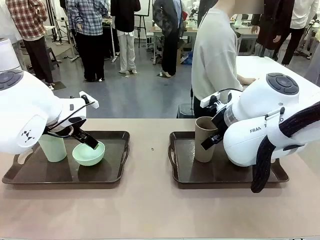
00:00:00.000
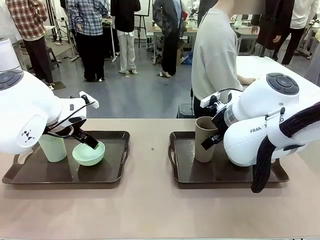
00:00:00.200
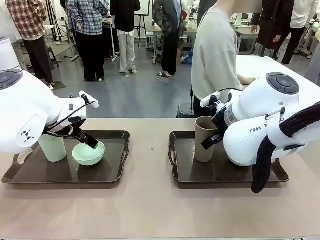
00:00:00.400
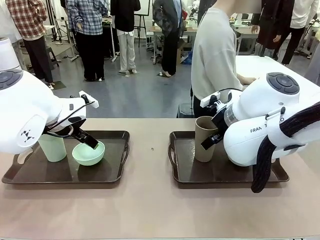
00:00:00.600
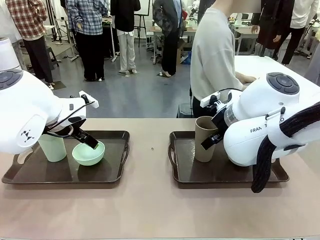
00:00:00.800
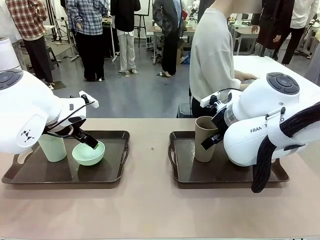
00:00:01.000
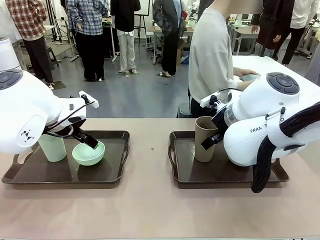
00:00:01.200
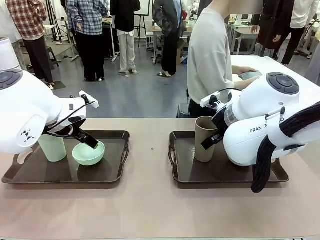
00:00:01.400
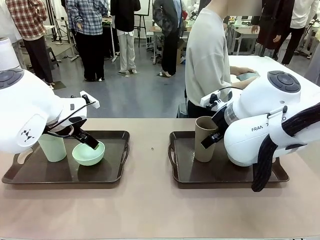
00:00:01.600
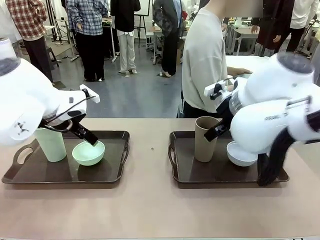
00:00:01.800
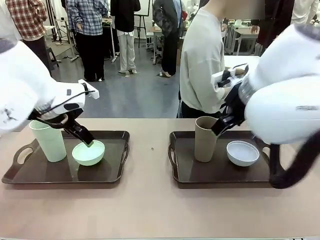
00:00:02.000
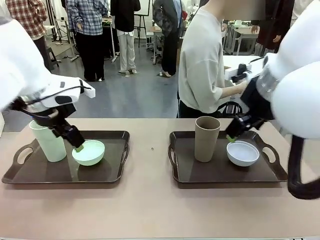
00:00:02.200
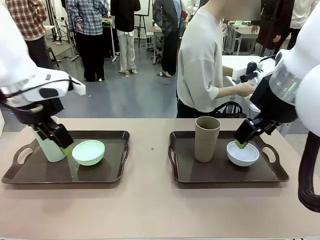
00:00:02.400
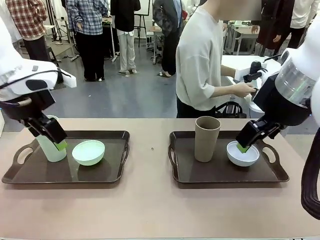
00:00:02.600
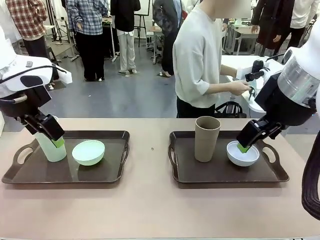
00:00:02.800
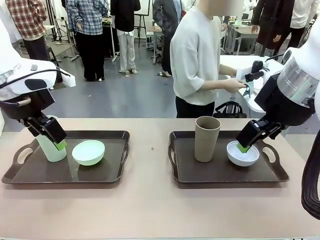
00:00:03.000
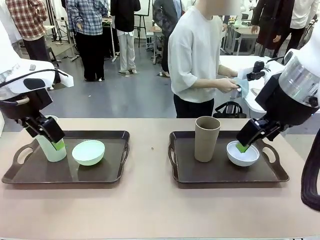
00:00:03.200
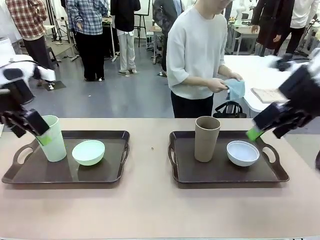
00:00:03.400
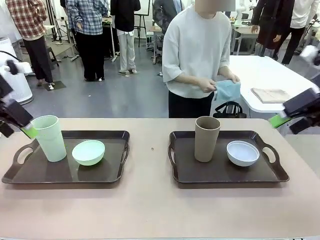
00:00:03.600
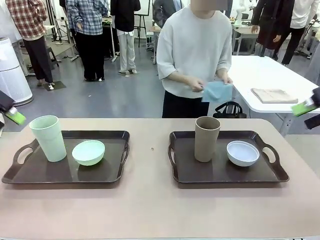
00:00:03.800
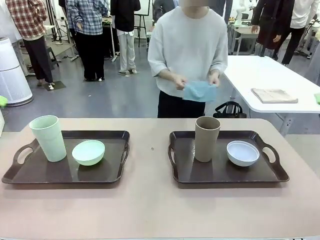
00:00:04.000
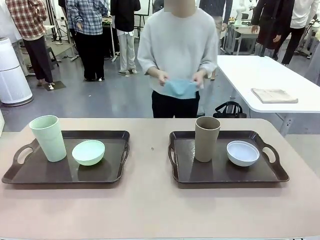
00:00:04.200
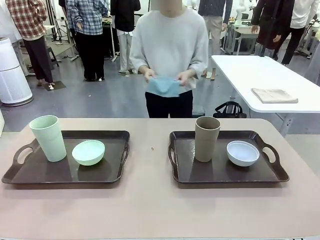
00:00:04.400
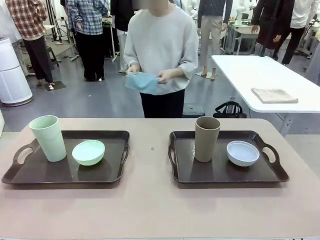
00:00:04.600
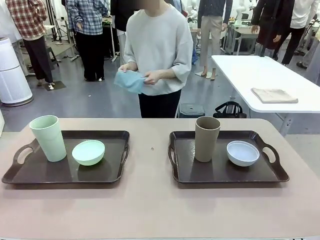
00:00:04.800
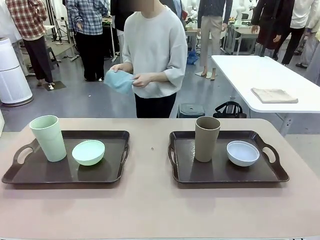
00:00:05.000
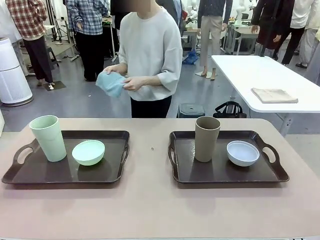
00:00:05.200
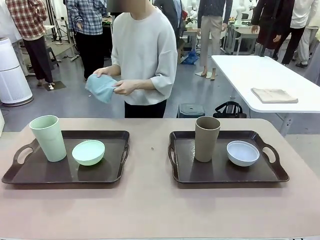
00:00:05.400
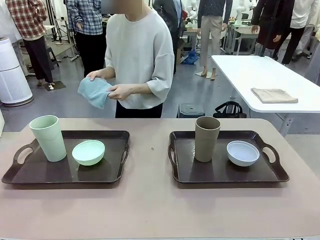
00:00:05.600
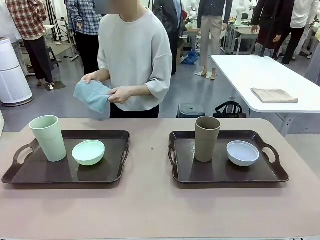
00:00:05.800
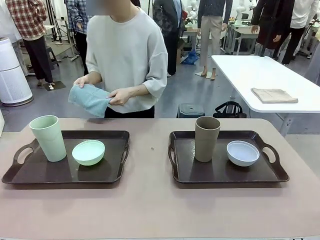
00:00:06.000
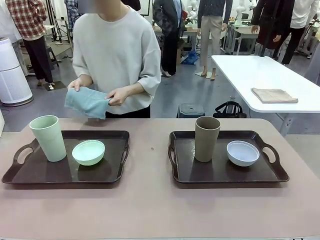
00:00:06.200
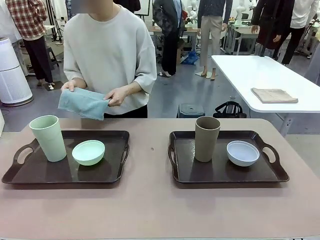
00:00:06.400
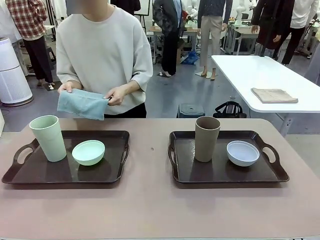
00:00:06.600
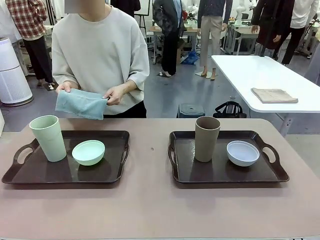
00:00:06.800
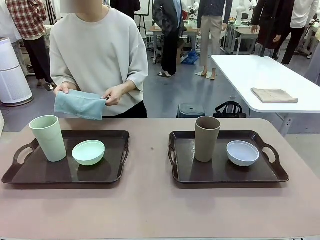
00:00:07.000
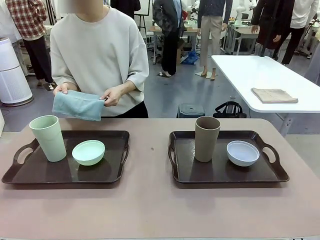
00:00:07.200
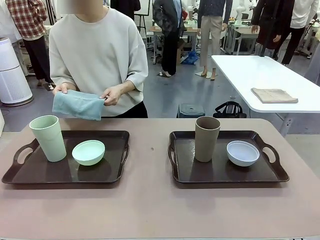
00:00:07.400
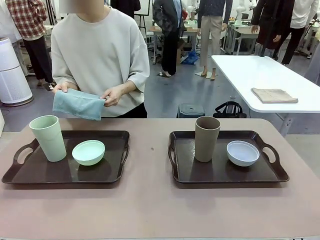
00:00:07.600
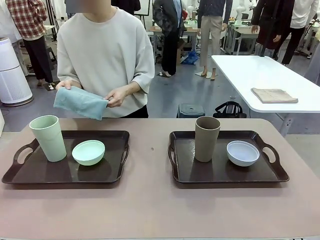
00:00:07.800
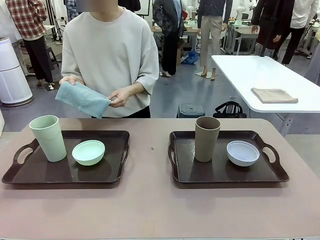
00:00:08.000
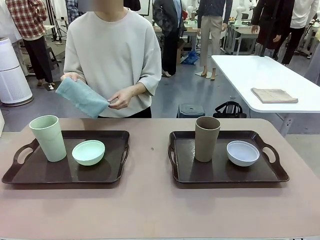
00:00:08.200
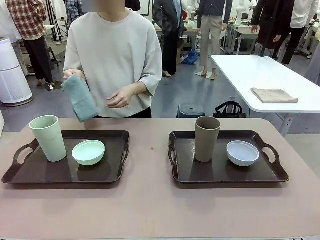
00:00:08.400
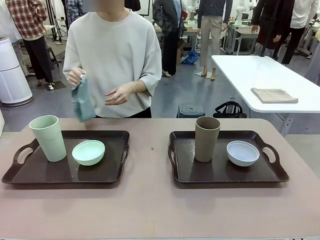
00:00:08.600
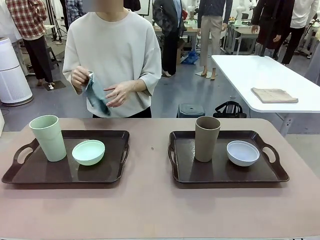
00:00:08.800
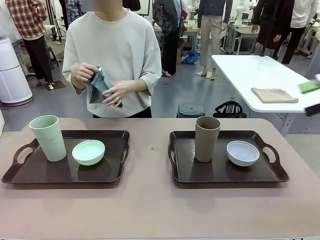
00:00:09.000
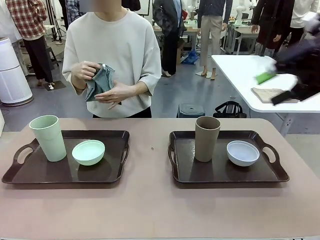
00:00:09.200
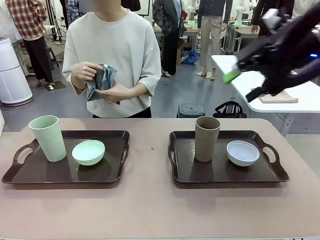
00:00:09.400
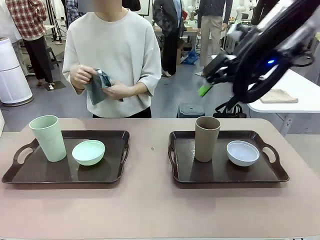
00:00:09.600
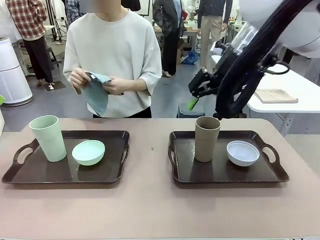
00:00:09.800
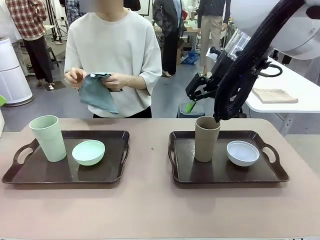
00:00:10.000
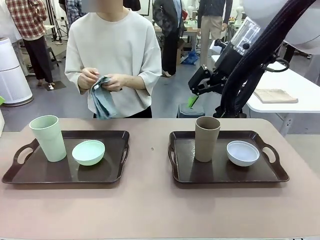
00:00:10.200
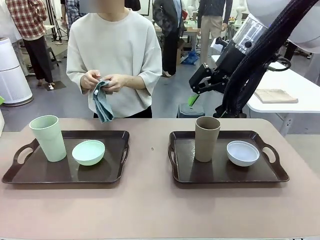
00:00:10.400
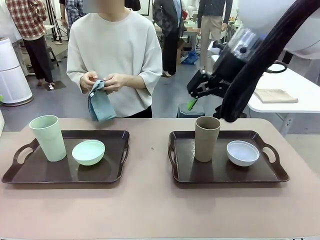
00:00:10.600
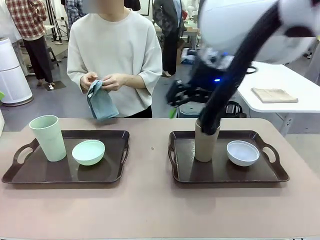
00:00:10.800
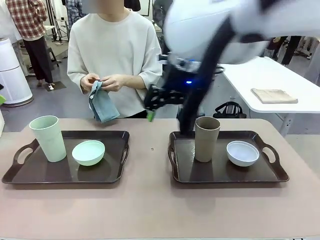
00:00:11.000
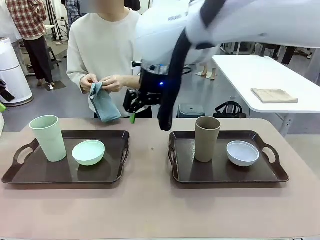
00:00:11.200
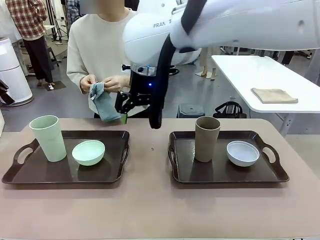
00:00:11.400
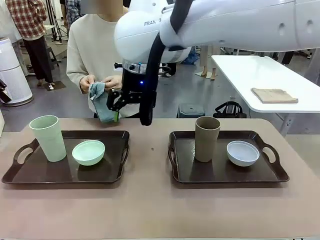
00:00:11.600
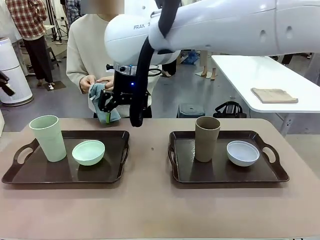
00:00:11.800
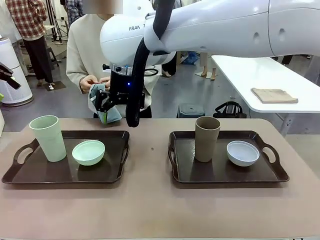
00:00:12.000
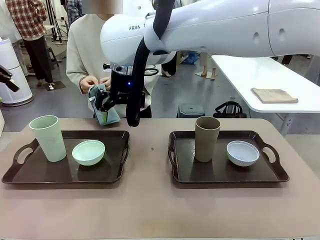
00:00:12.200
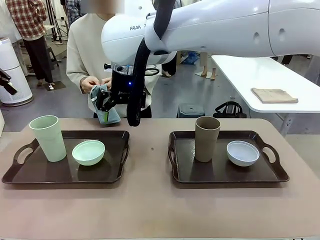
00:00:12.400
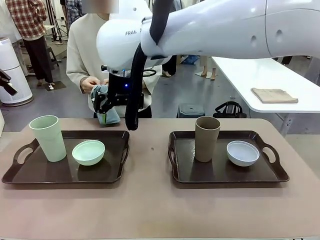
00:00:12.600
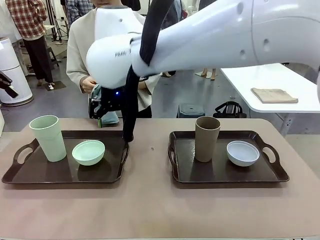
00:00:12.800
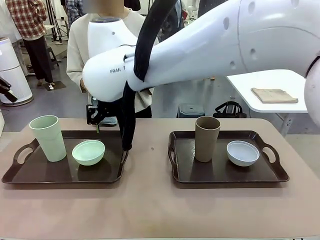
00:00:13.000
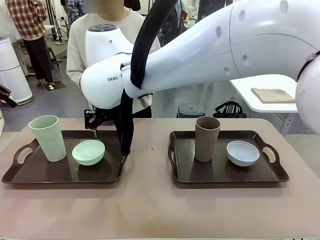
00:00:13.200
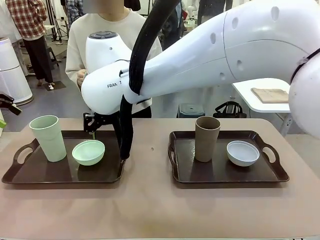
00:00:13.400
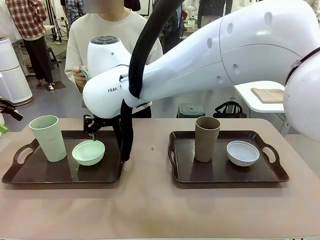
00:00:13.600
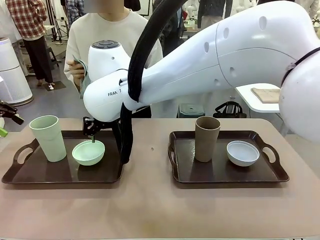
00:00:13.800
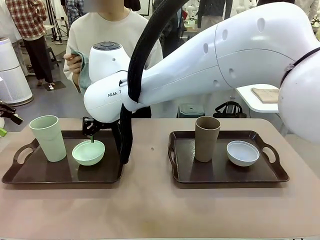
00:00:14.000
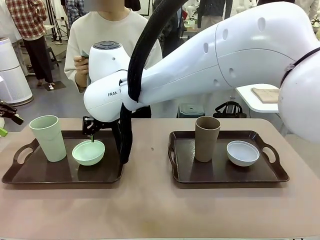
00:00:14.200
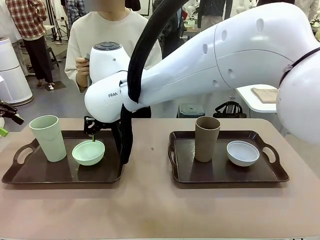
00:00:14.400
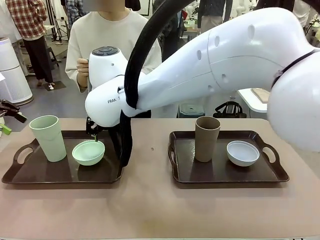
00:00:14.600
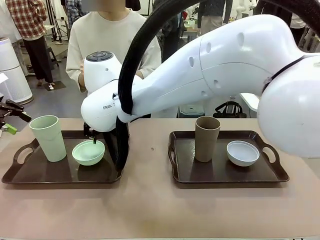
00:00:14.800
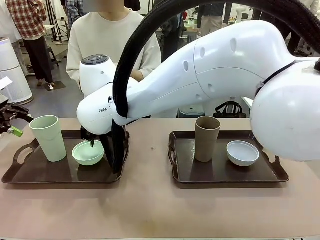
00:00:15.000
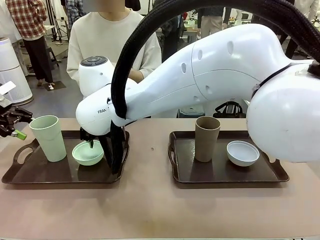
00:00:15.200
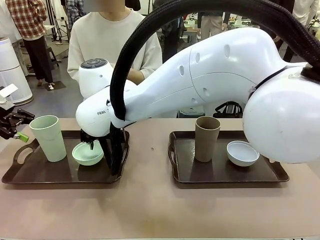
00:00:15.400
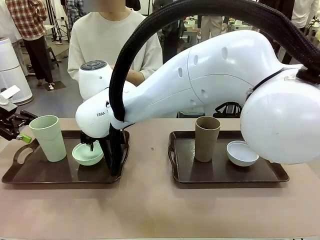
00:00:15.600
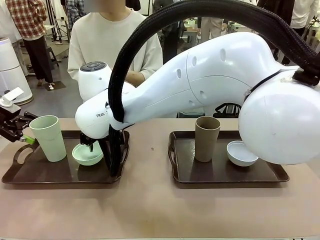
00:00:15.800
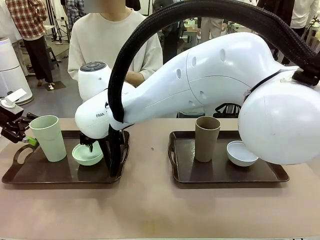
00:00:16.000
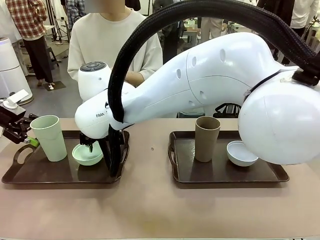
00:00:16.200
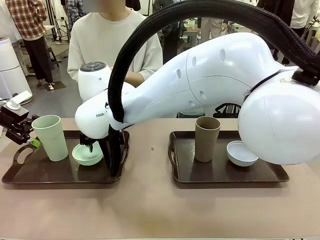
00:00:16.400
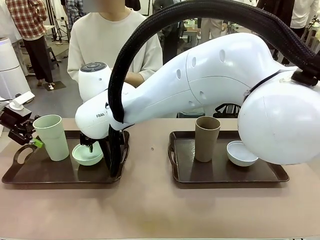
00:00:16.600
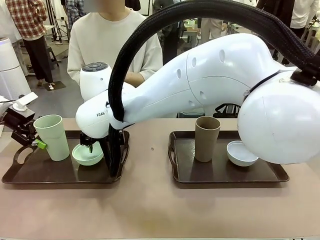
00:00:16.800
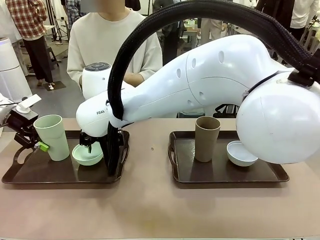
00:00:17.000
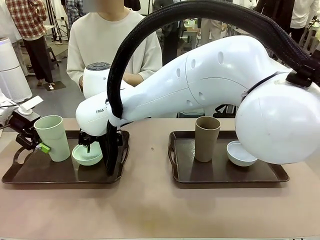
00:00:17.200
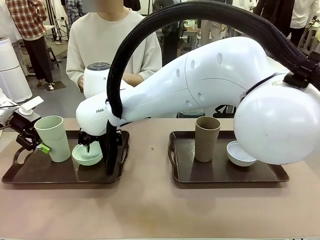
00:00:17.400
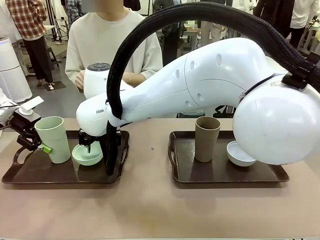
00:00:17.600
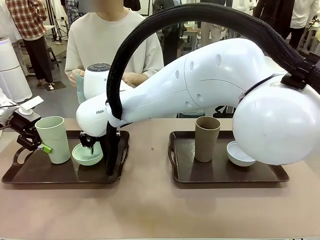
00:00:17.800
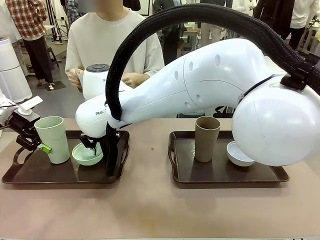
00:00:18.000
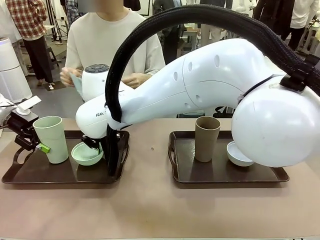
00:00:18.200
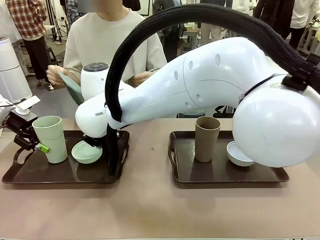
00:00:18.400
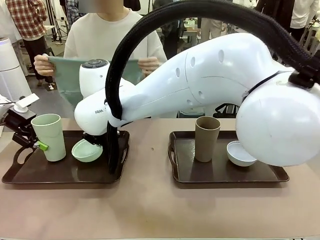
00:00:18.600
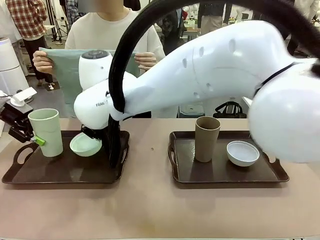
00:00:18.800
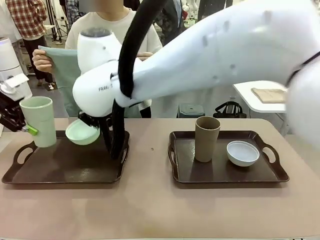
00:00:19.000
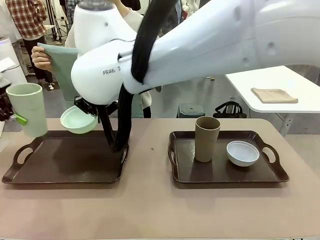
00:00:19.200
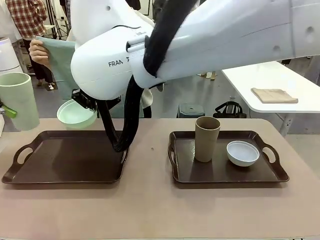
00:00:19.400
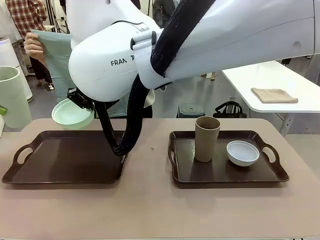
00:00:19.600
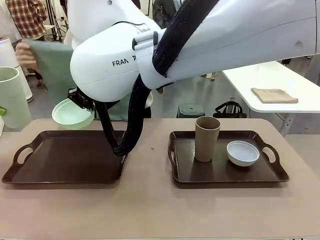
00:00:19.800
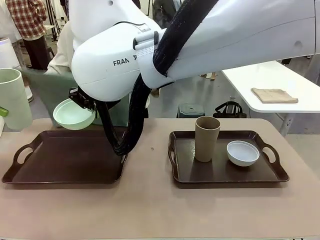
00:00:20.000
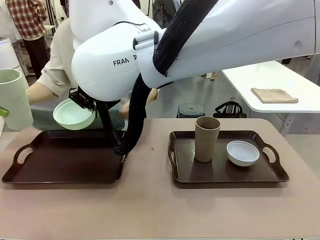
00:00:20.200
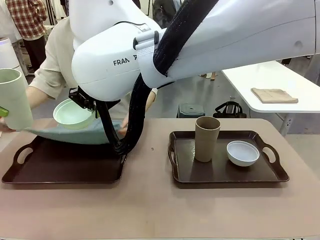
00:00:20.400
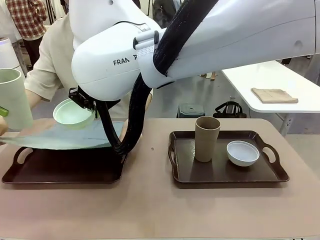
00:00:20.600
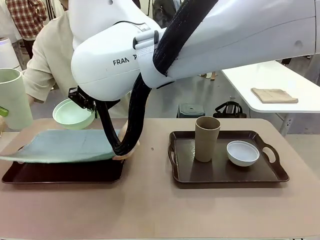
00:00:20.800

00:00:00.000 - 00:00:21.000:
Robot: Pick up the Picnic Bowl and Reusable plastic cup from the Handle tray in front of the human's position and hold them in the air.
Person: The human picks up the top napkin from the stack on the human table and walks to the robot table to stand in front of one of the two trays. When the robot lifts the bowl and the cup, the human unfolds the napkin and lays the napkin flat on the tray.
